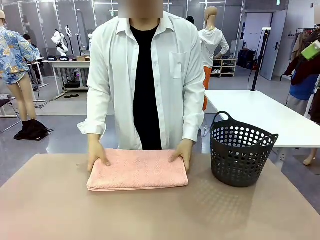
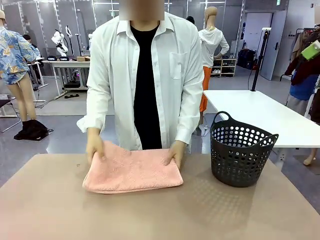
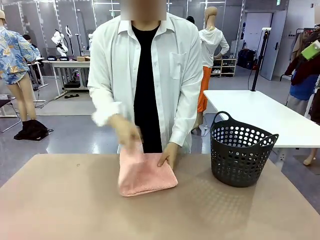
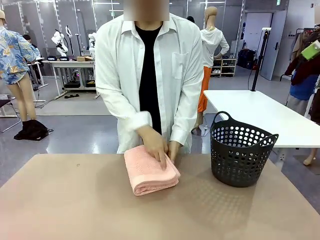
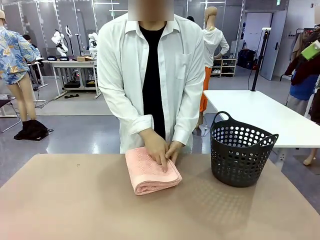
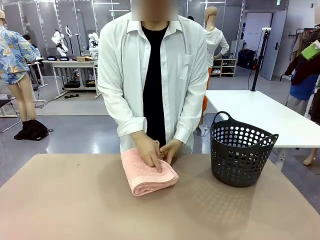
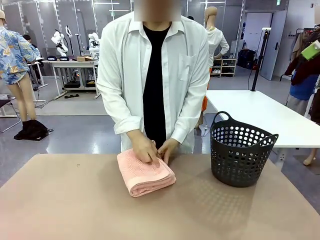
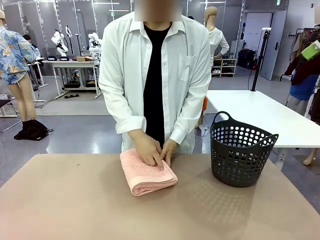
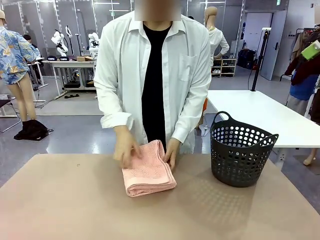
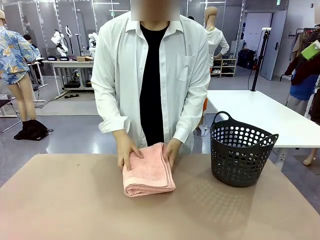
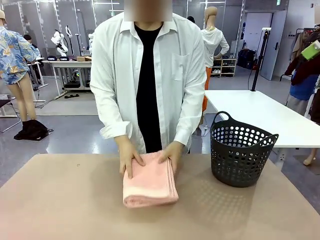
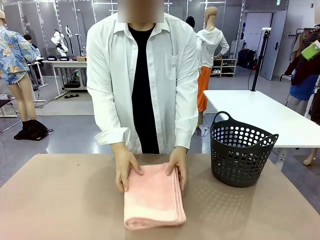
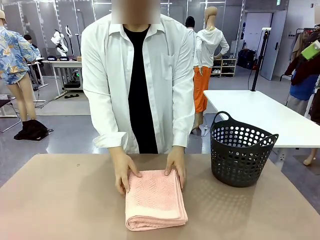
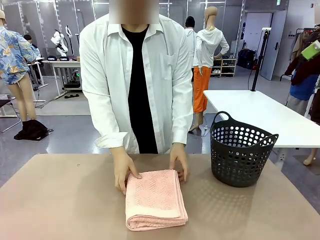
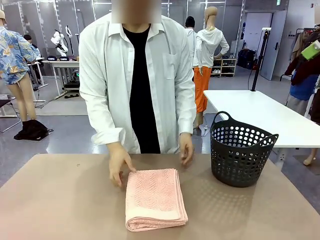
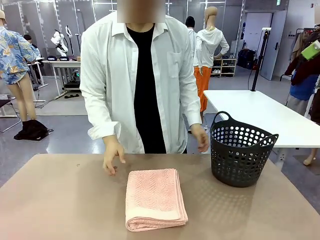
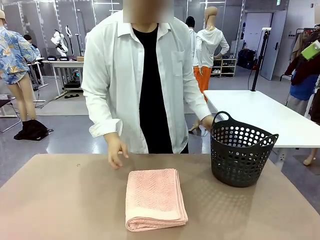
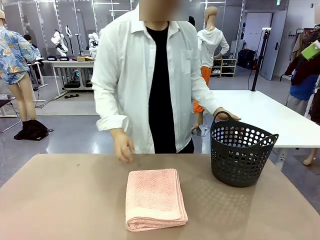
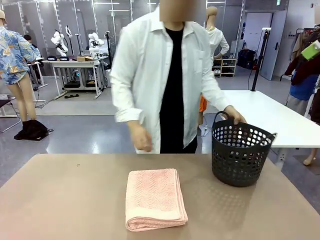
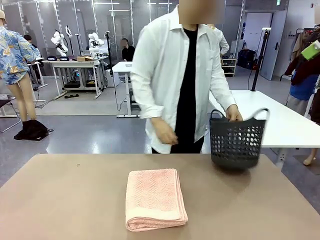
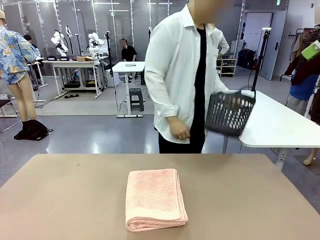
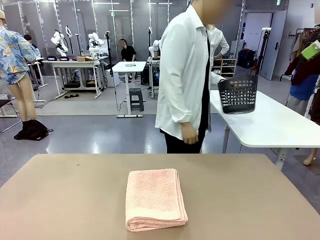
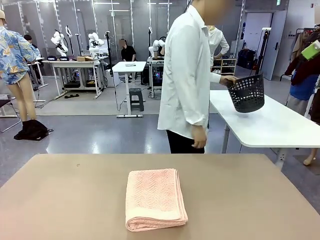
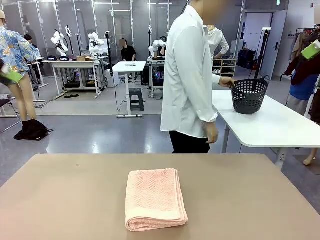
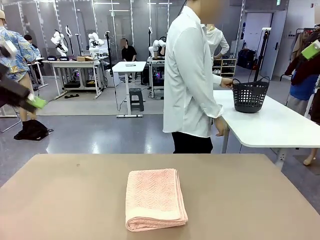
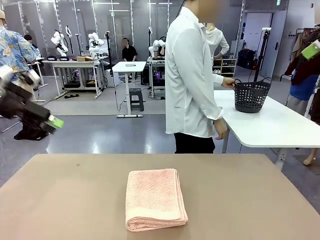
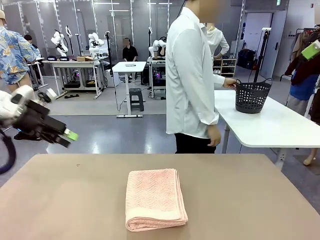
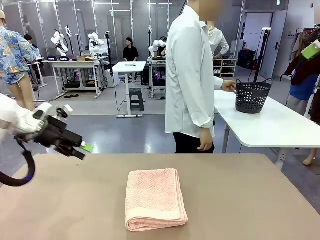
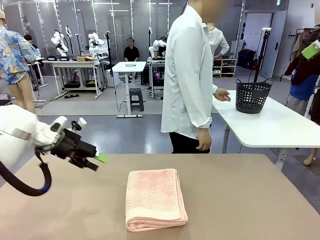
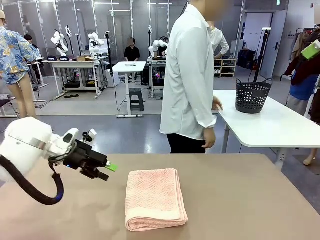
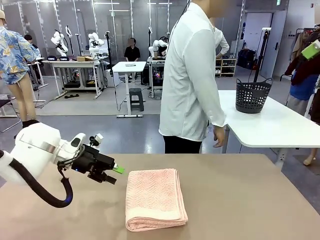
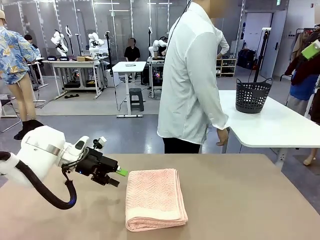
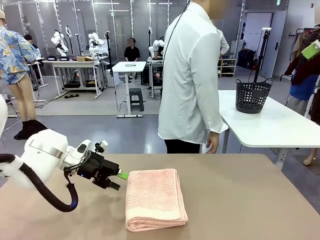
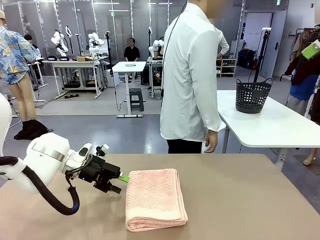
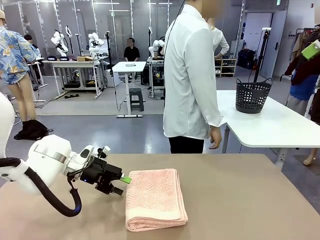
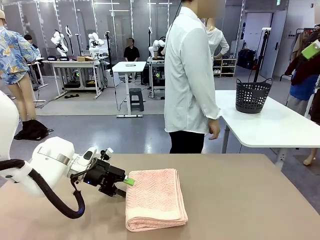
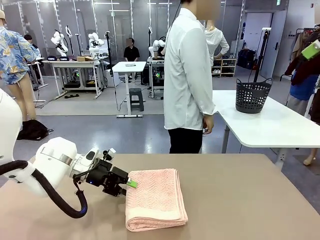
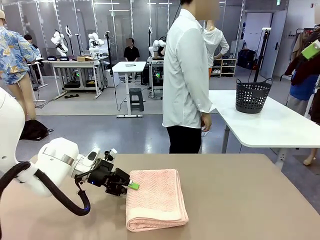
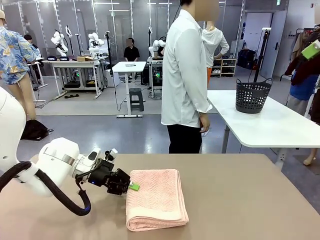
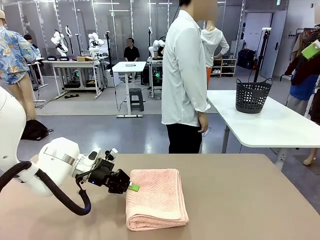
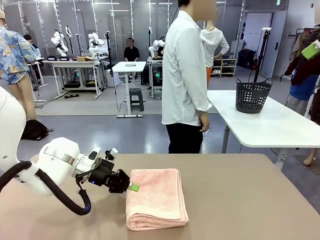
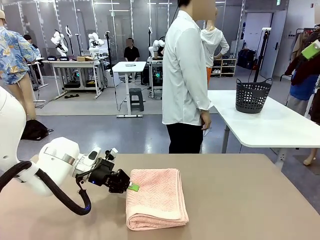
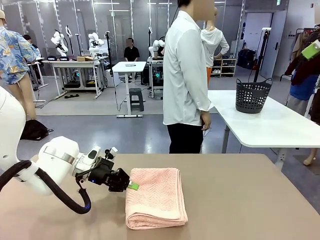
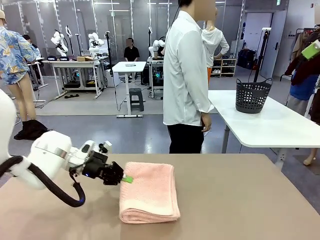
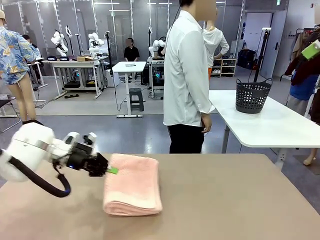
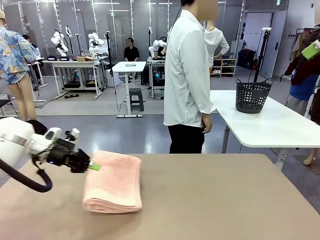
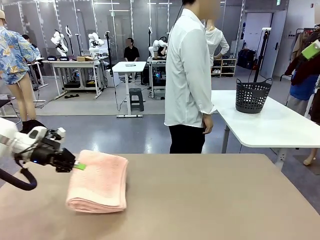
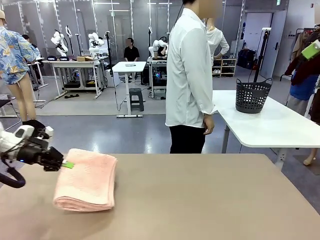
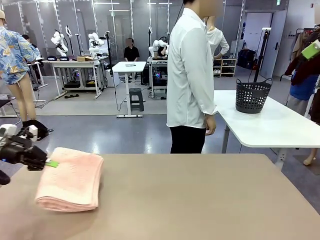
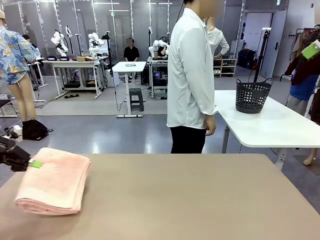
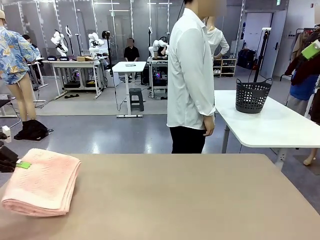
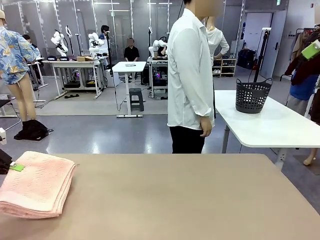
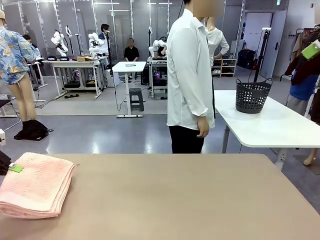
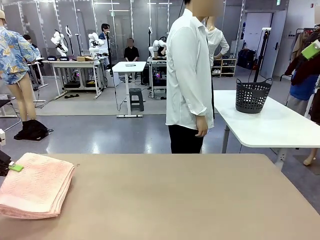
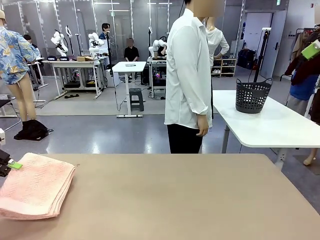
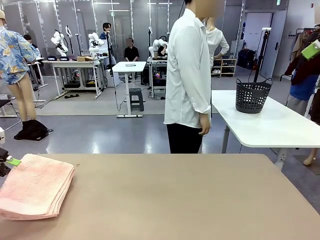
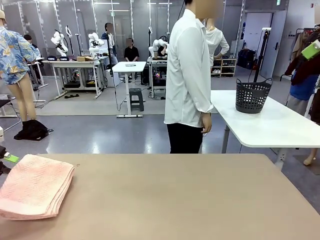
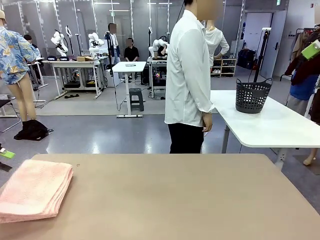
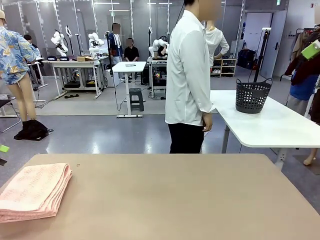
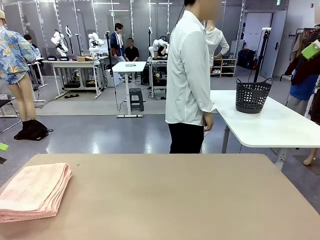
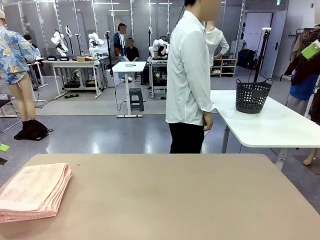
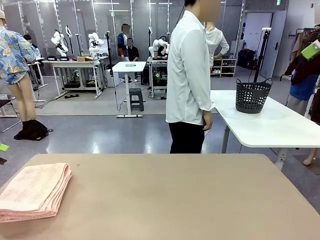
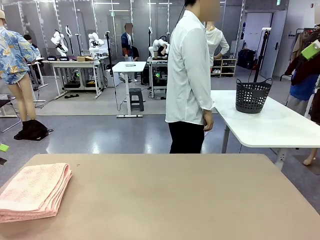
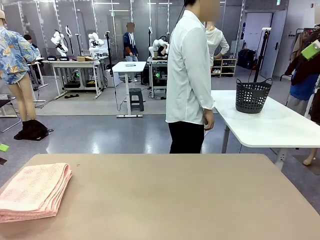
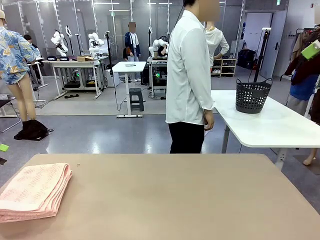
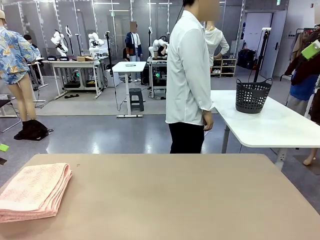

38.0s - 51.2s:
Task: Fold the towel.
Robot: Pick up the 100 cm Hotel Towel and place it on the left side of the table.
Person: Pick up the laundry basket and place it at the center of the human table.

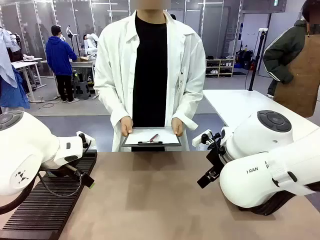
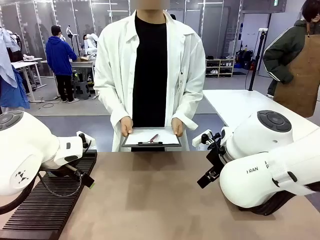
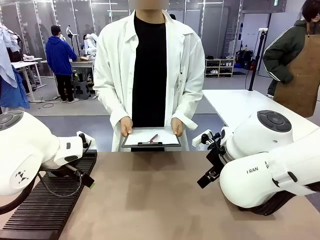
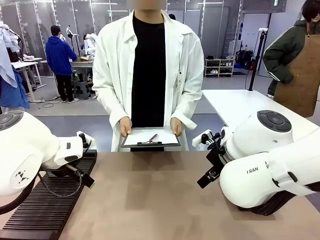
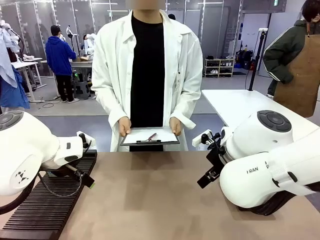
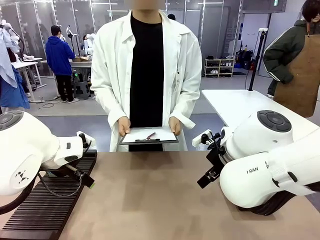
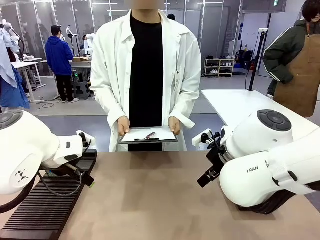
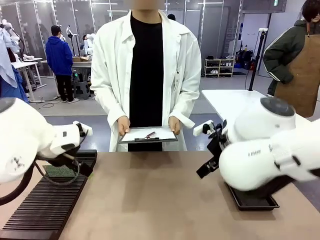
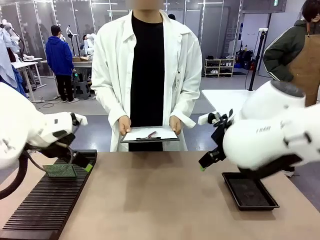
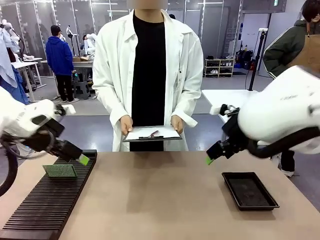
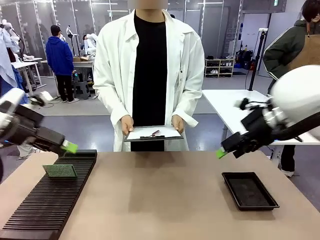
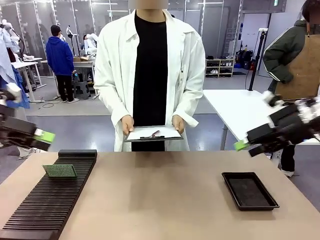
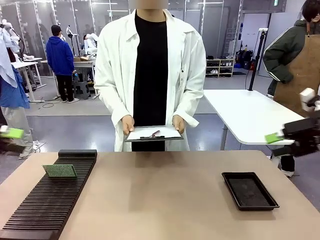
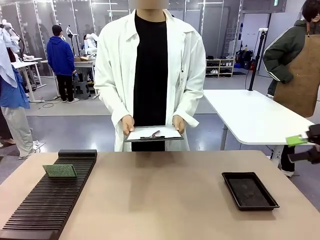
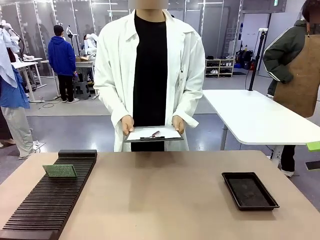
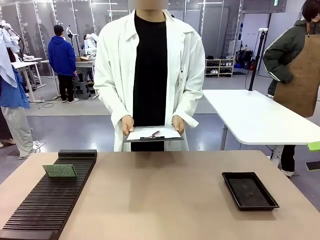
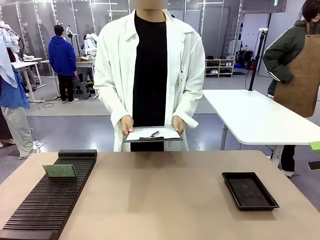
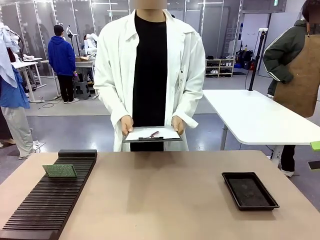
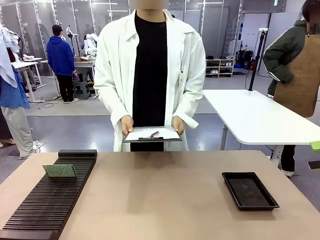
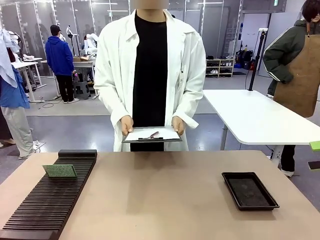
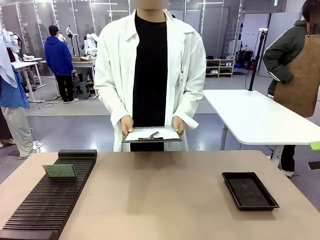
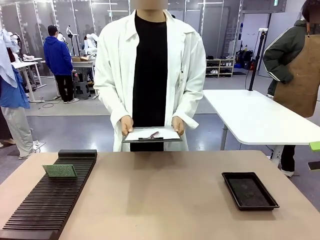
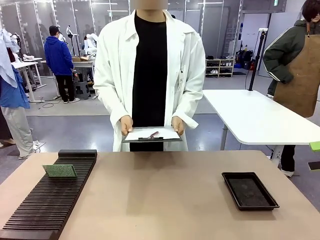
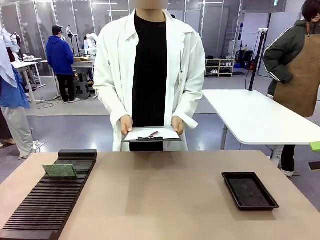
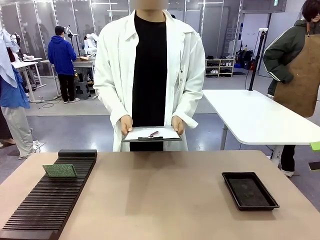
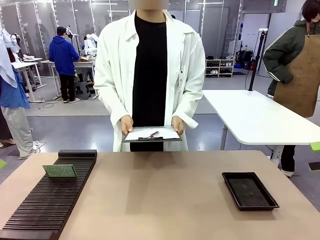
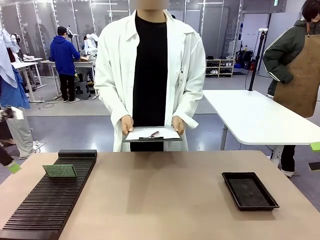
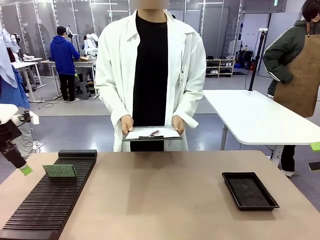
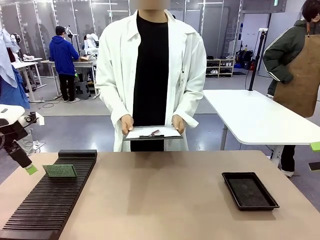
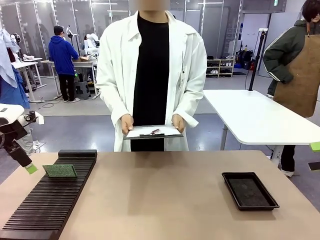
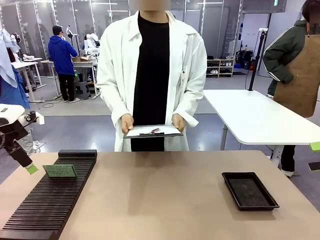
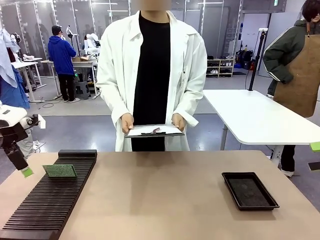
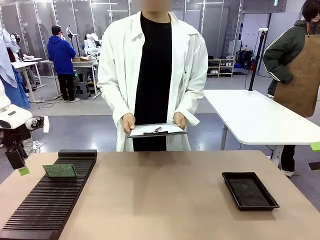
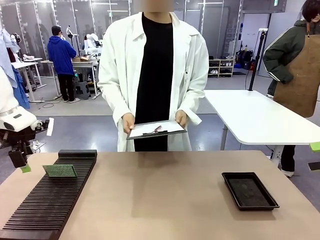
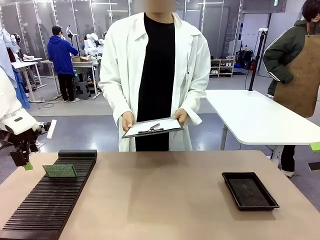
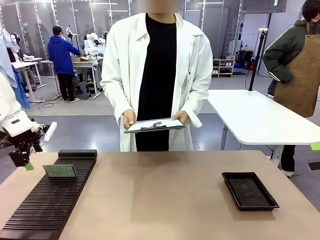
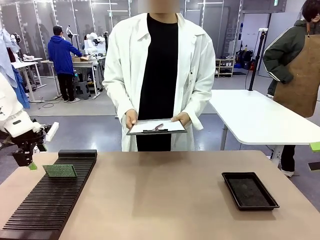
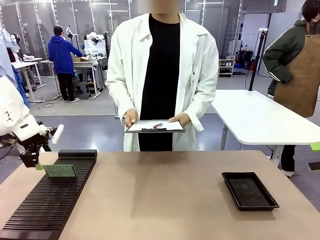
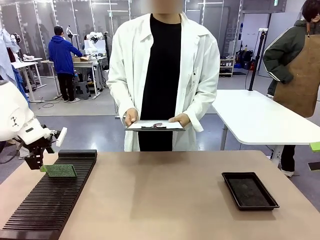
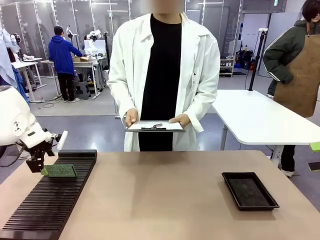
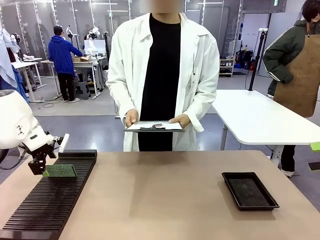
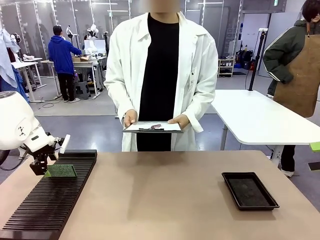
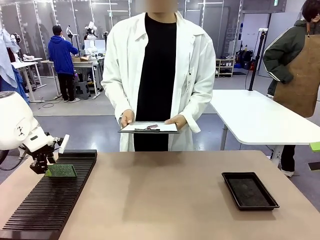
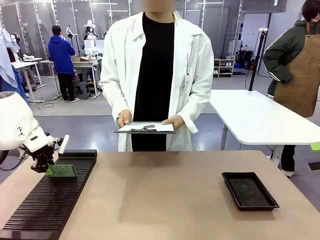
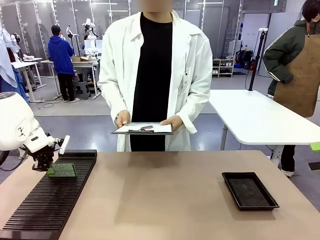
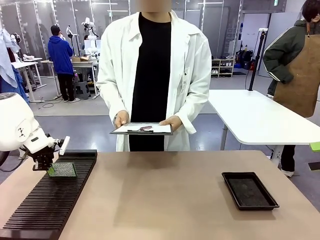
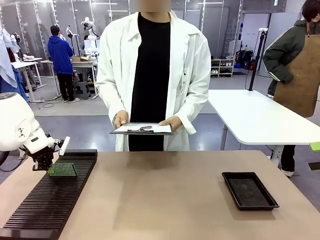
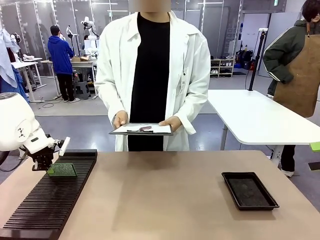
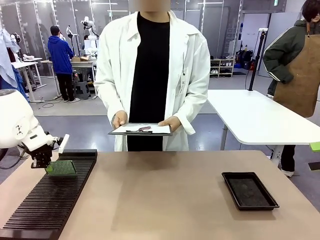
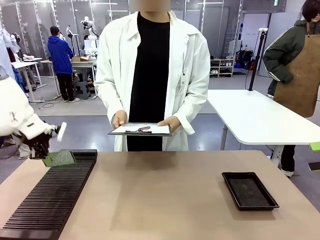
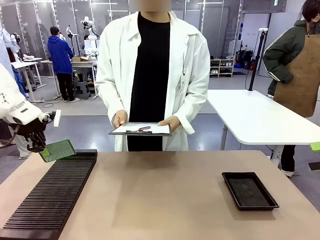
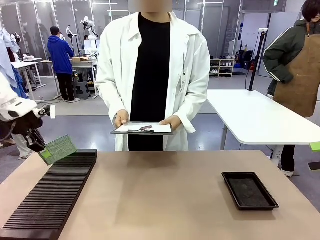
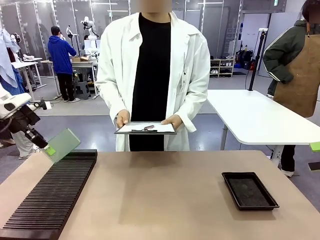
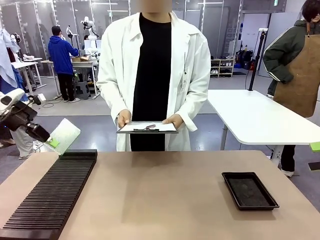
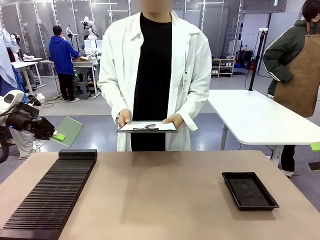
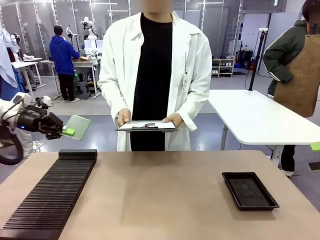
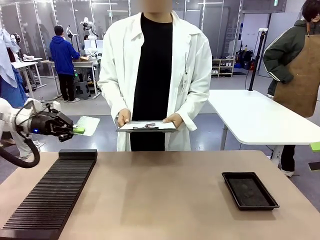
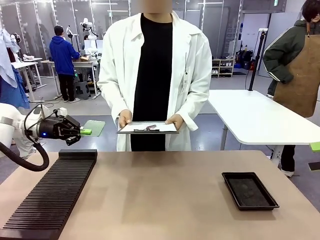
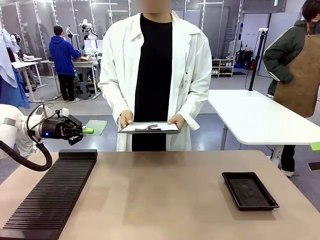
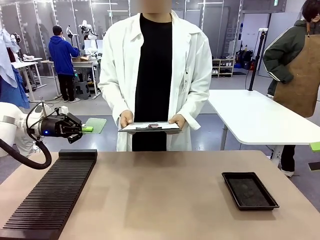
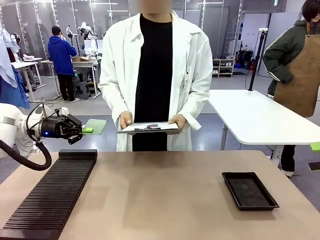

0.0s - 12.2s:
Task: Inspect the PCB.
Robot: Pick up the Blank PCB and present it to the human.
Person: Pick up the PCB presented by the robot.
